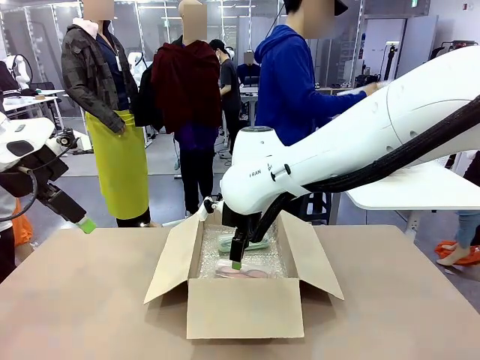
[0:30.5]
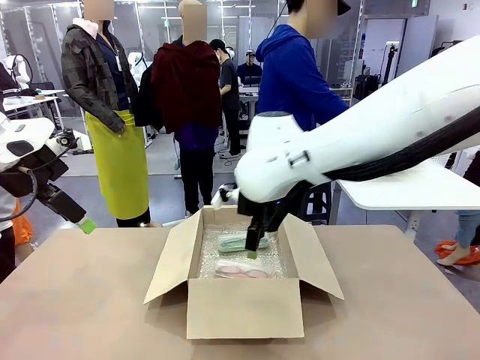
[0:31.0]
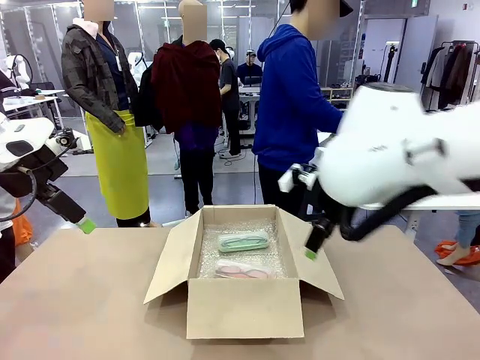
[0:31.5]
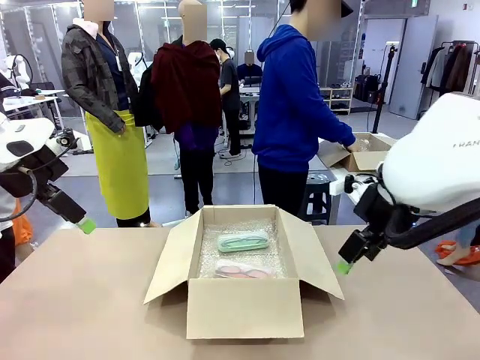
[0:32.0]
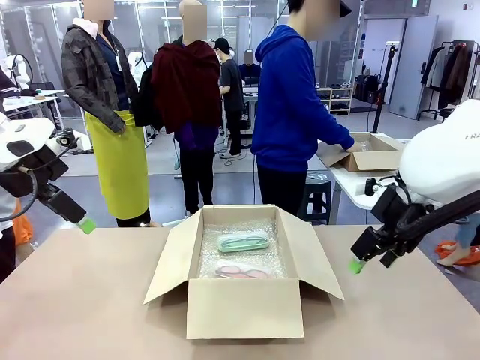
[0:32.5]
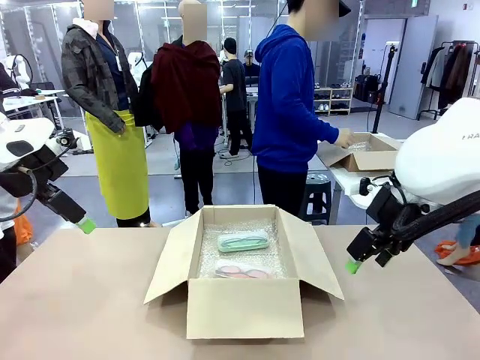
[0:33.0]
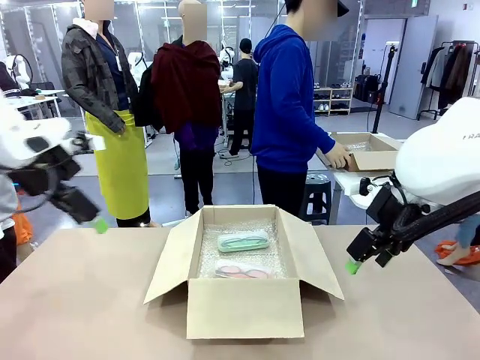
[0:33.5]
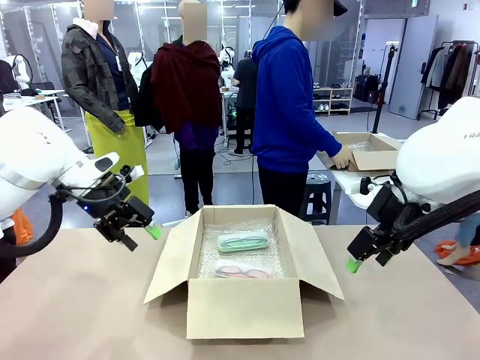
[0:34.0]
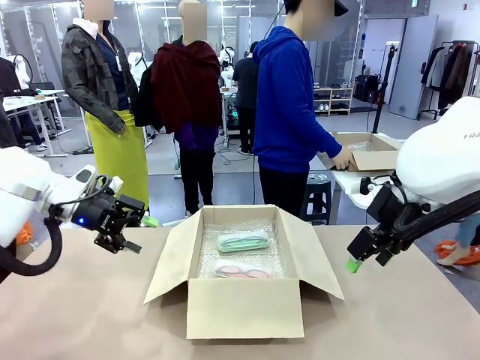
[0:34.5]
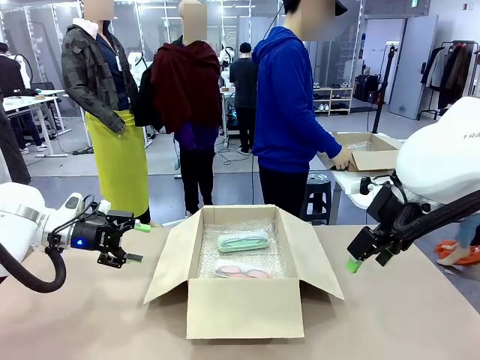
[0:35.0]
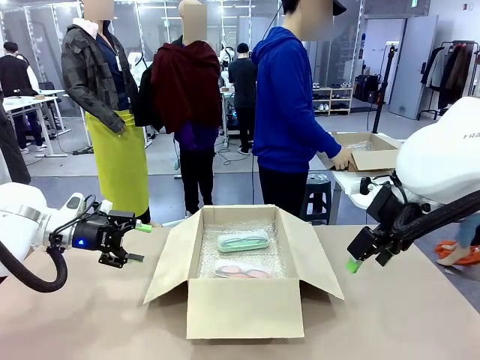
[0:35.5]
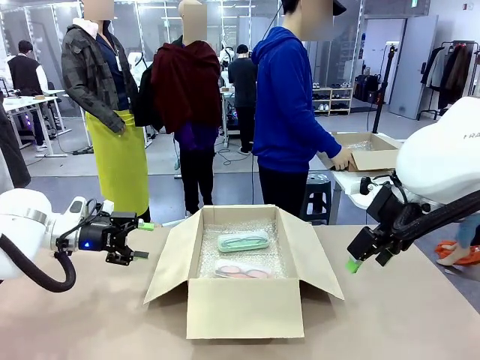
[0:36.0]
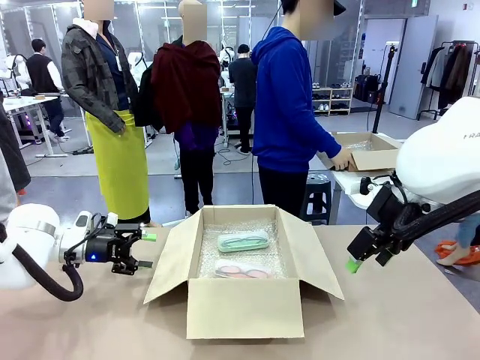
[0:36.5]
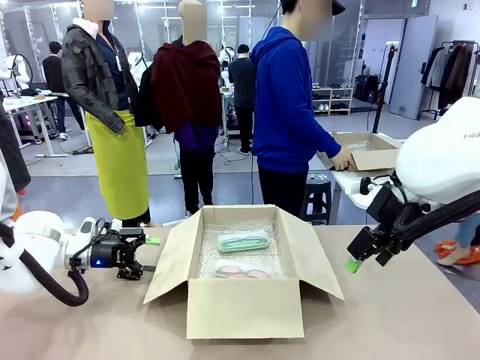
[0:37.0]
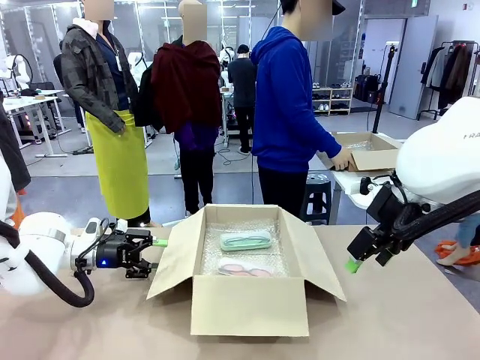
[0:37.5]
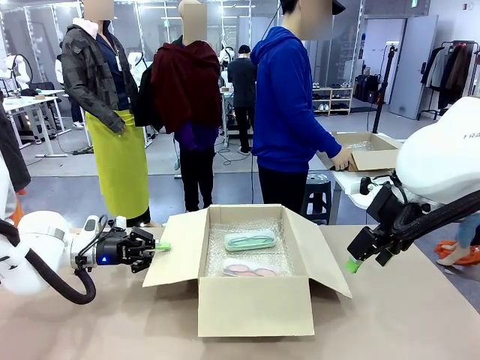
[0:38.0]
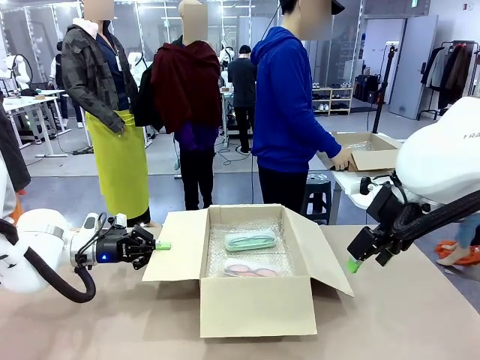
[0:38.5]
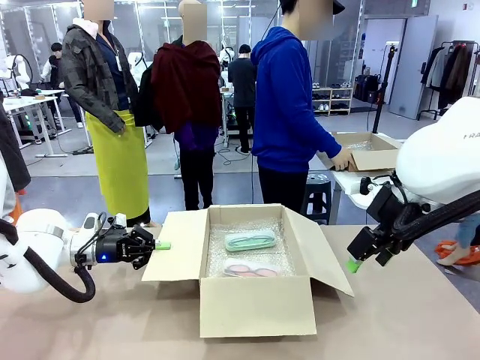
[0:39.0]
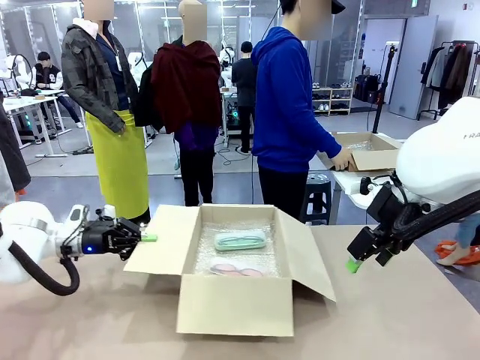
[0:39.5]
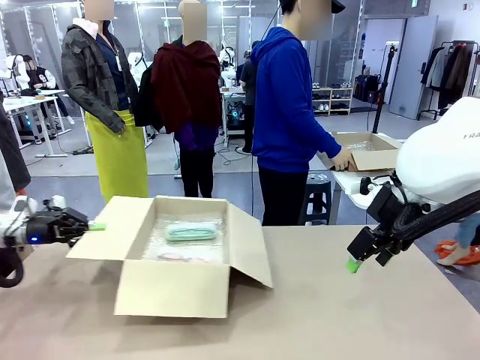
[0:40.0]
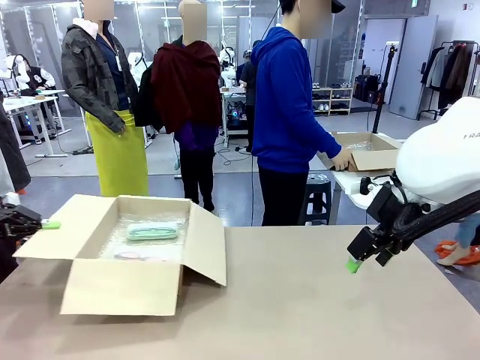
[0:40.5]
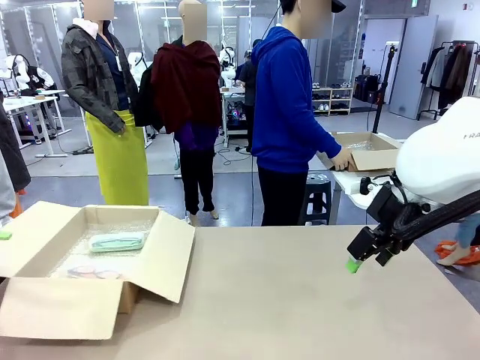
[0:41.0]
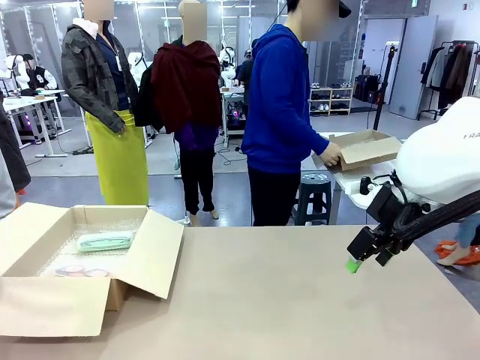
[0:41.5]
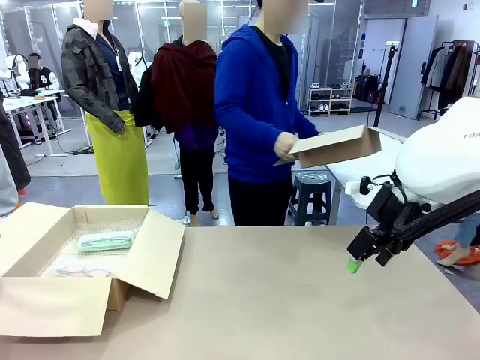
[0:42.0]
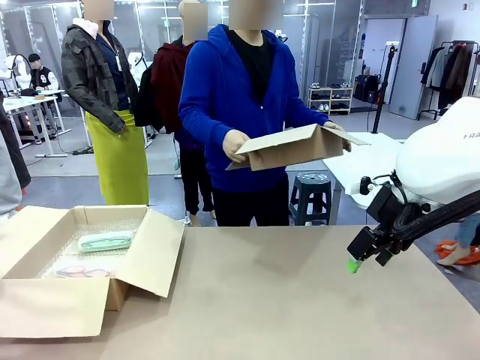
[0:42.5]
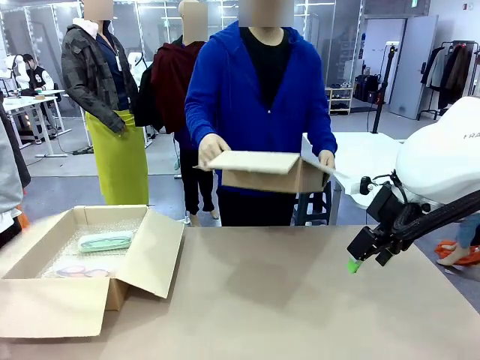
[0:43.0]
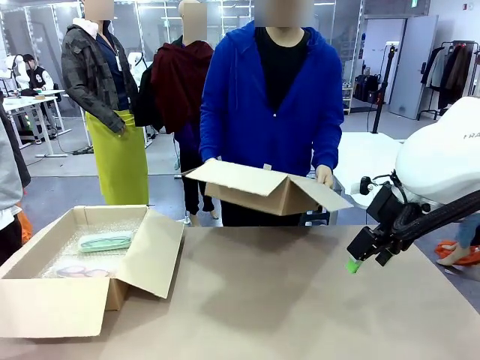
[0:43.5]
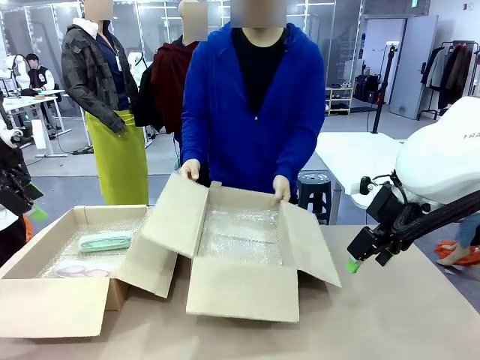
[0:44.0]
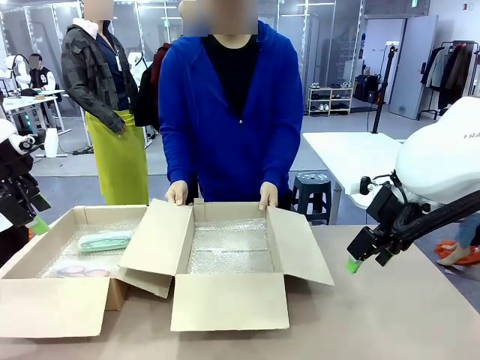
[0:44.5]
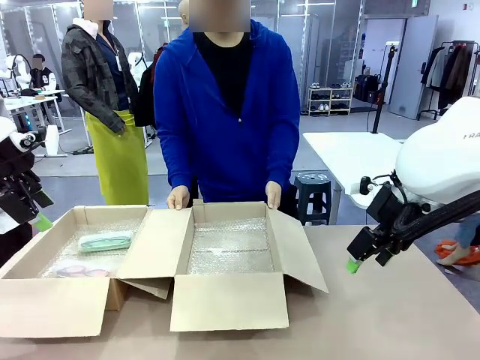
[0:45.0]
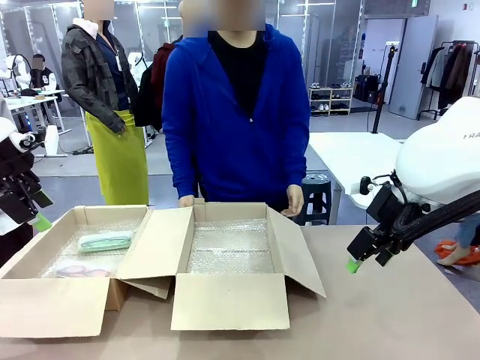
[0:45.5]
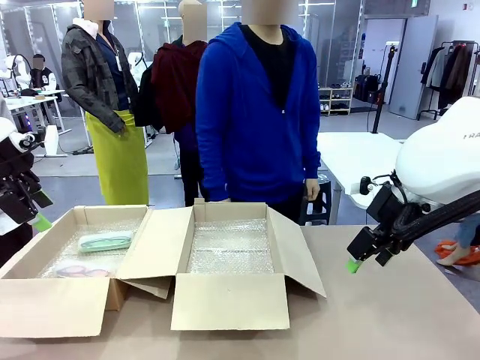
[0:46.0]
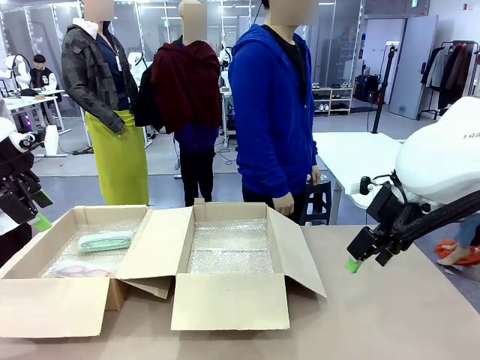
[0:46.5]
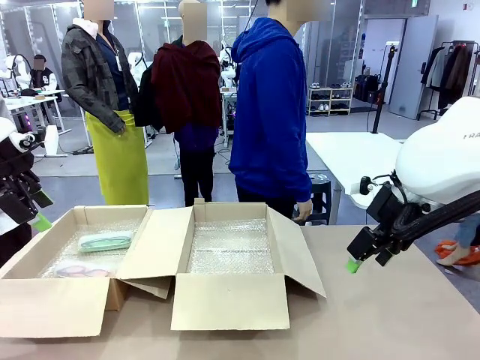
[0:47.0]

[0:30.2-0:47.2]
Task: Pack the glasses set securely to prepare it for shipping.
Robot: Position the Package Box on the left side of the table.
Person: Position the empty Package Box in the middle of the robot's table.

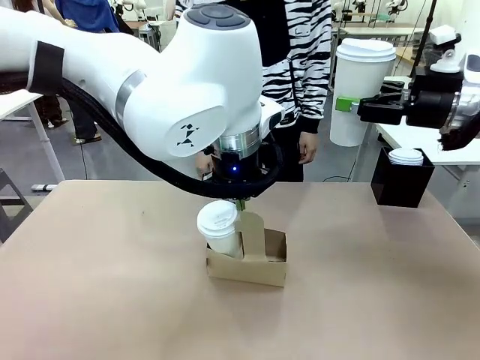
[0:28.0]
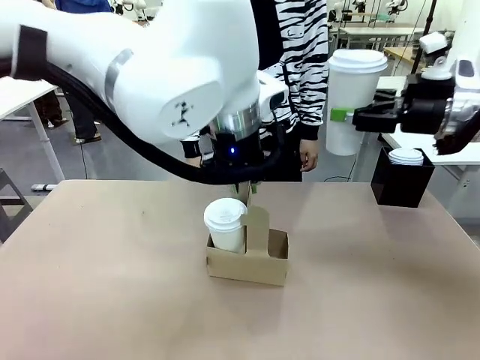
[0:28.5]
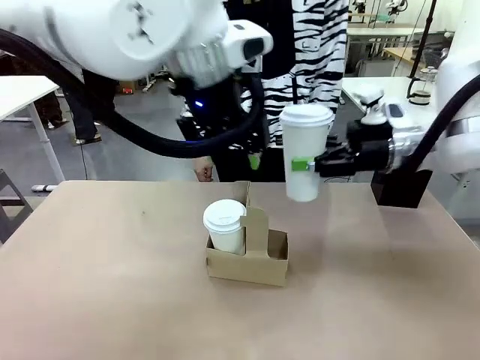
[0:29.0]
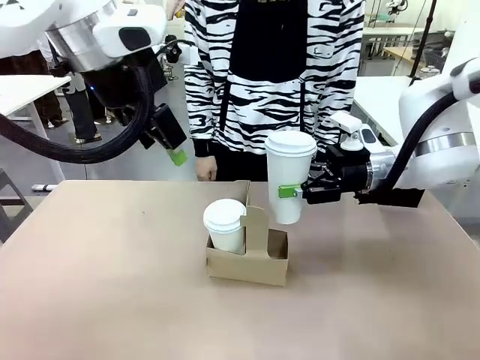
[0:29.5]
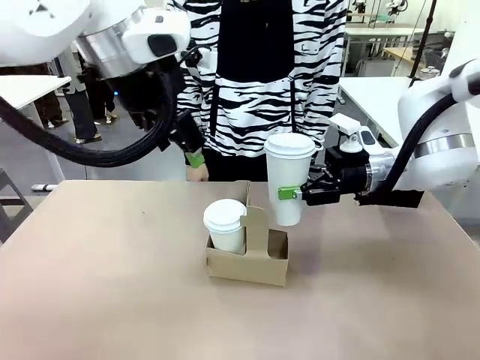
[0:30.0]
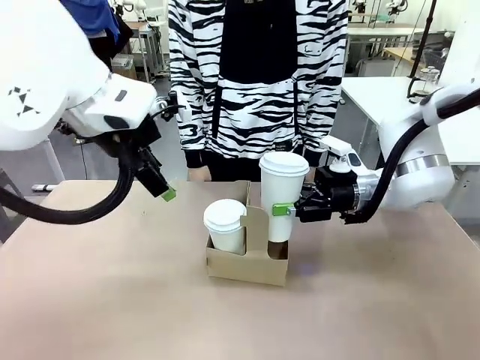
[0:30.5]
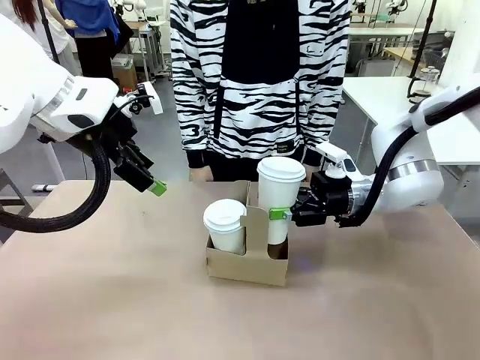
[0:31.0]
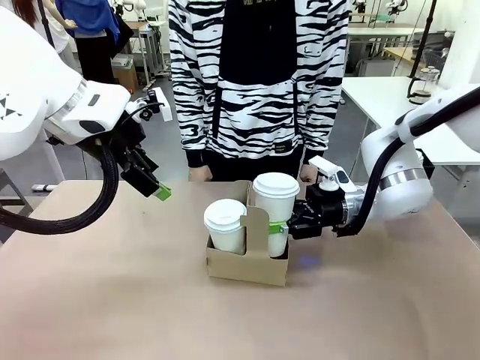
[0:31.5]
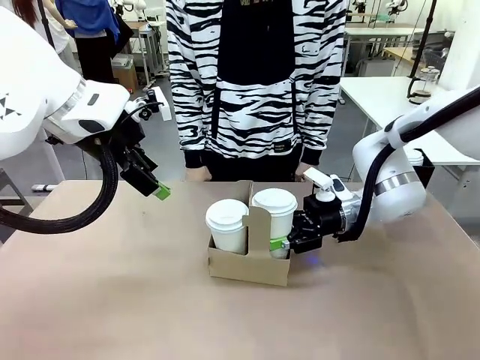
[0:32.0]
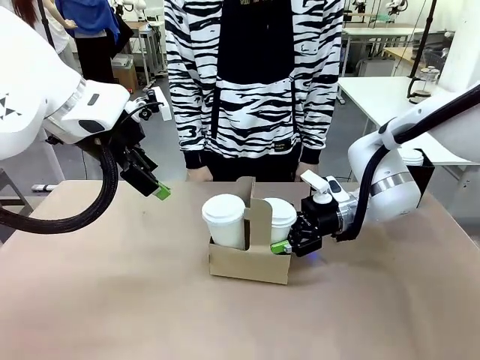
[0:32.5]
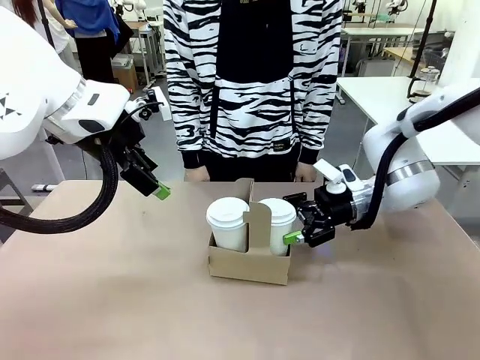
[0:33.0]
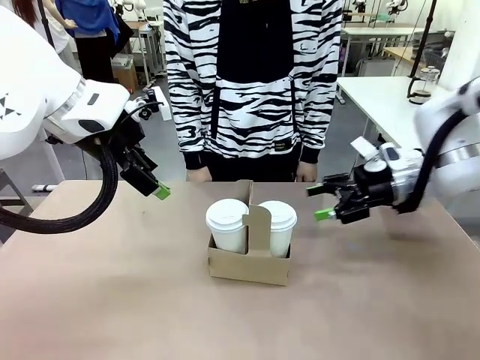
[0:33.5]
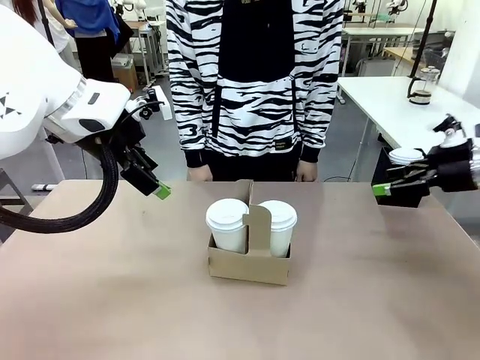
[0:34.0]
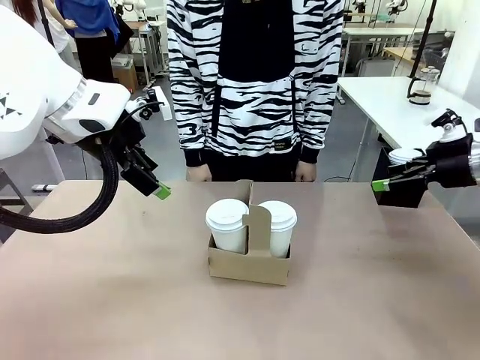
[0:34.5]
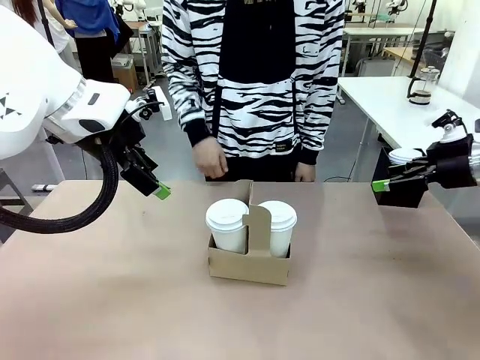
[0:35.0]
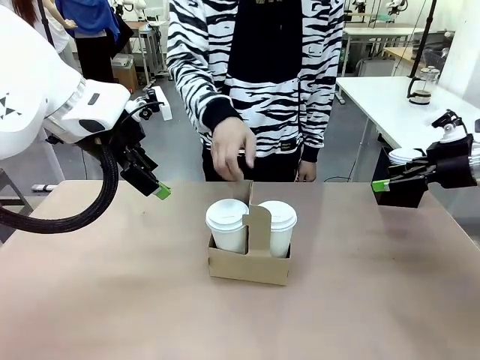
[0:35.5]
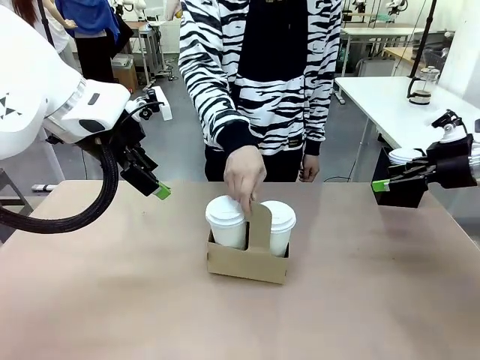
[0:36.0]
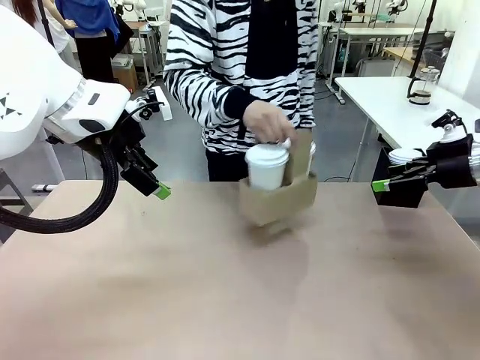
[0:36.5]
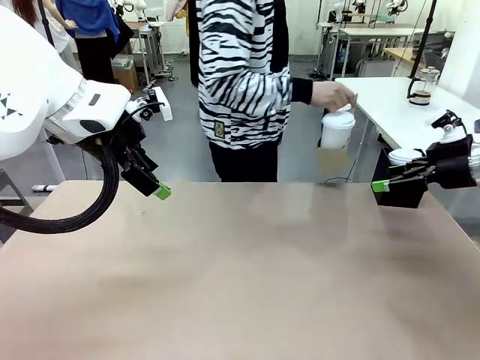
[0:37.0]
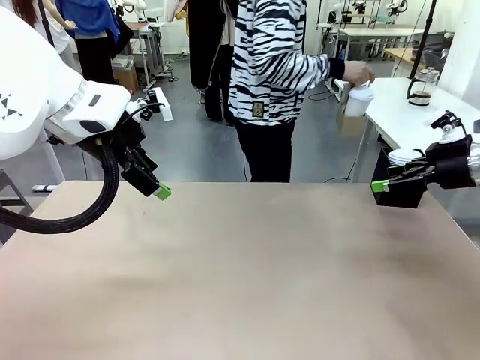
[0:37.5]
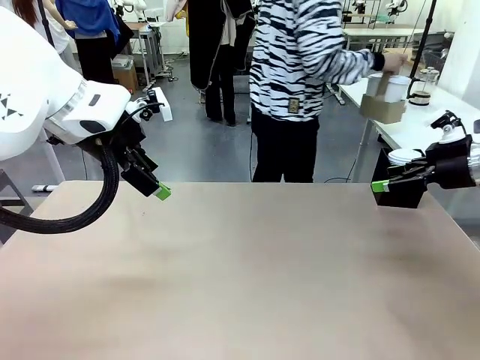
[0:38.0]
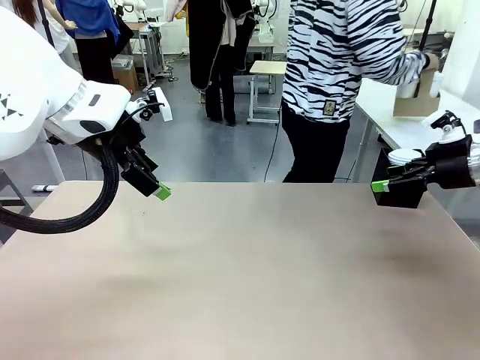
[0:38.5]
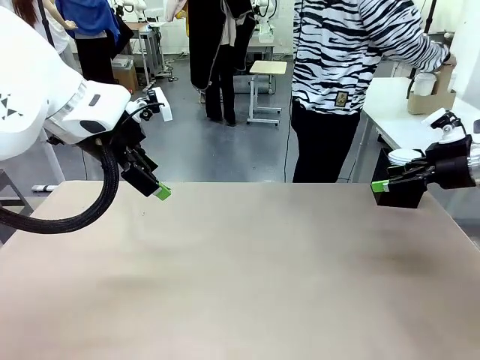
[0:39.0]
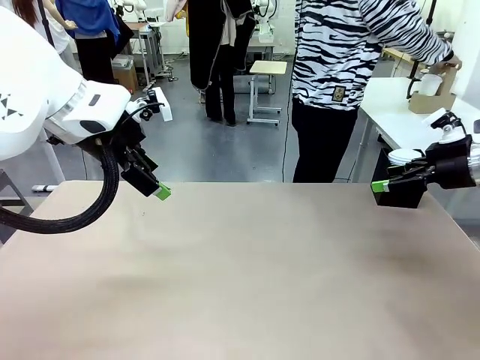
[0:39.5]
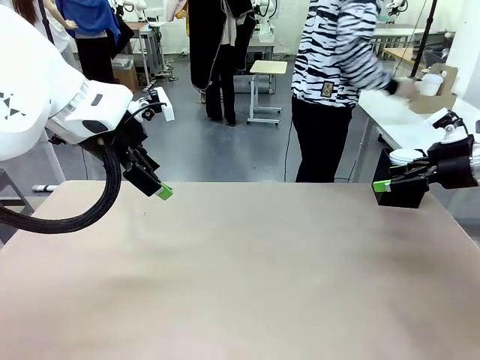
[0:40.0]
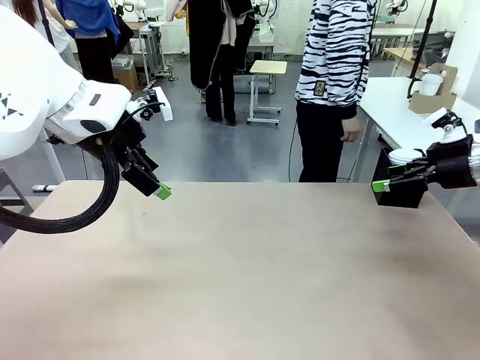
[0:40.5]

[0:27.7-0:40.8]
Task: Pour a drink into a cup and package it in a carrier.
Robot: Insert the held 600 ml Paper Cup into the Cup Carrier.
Person: Place the Cup Carrier to the middle of Human table.
